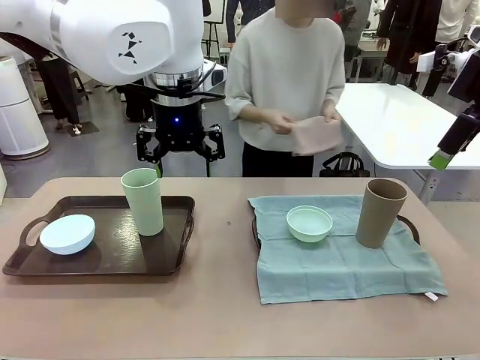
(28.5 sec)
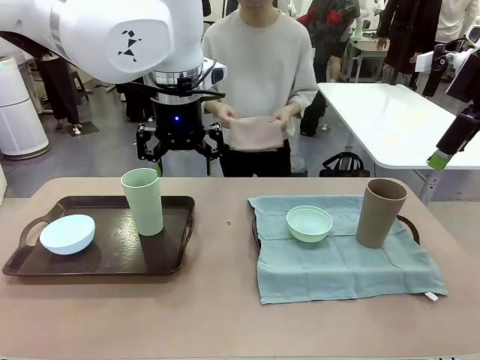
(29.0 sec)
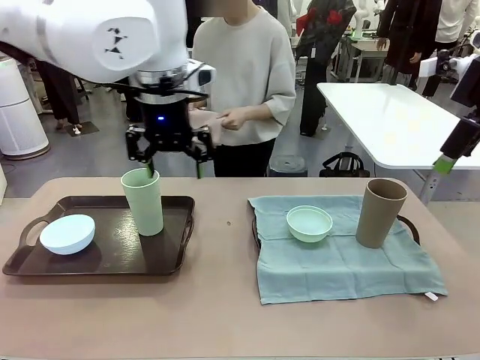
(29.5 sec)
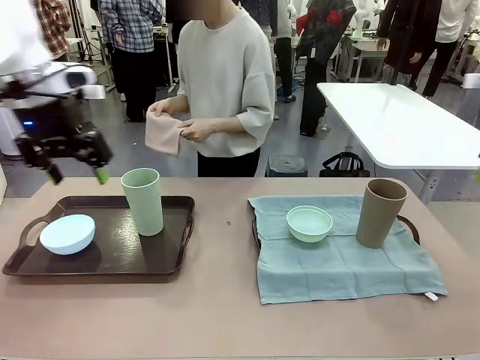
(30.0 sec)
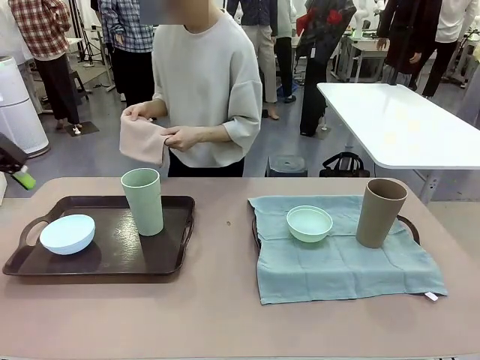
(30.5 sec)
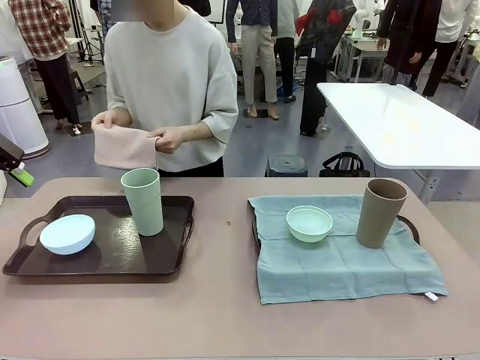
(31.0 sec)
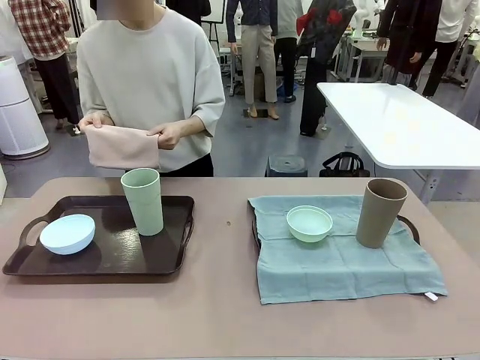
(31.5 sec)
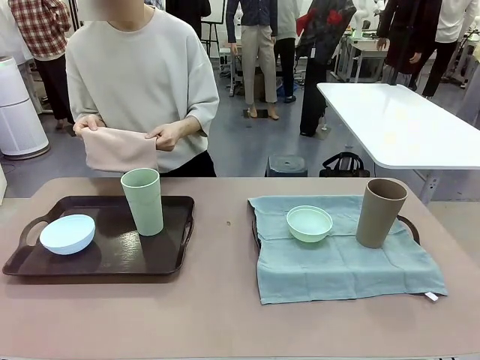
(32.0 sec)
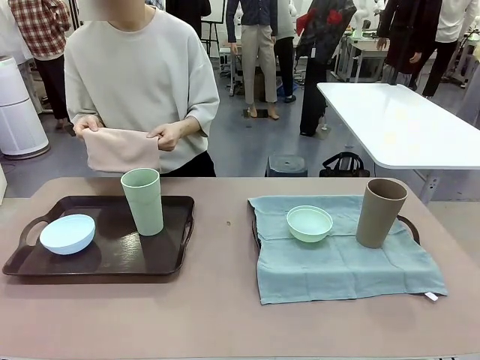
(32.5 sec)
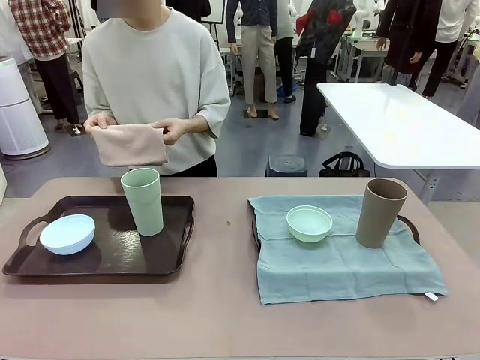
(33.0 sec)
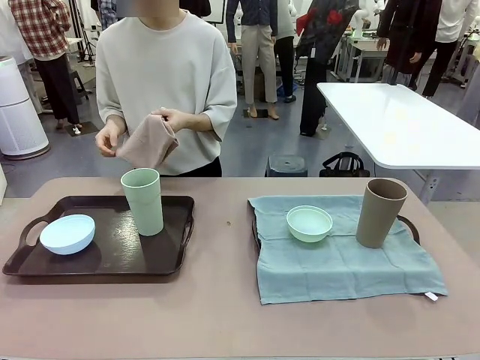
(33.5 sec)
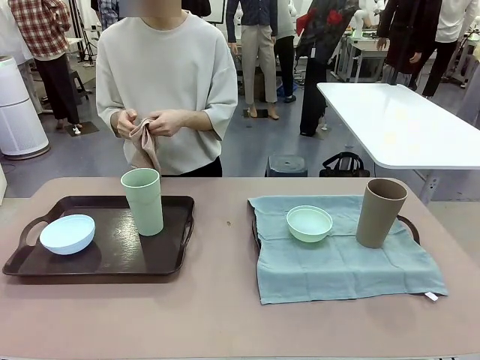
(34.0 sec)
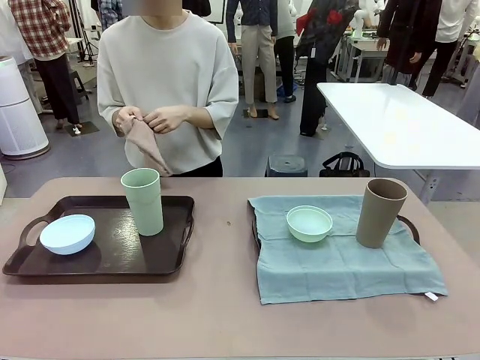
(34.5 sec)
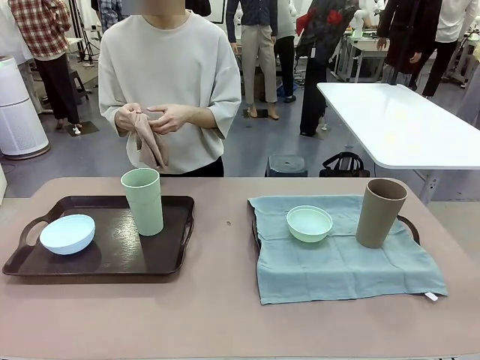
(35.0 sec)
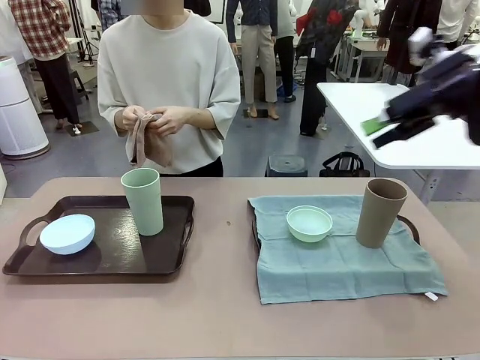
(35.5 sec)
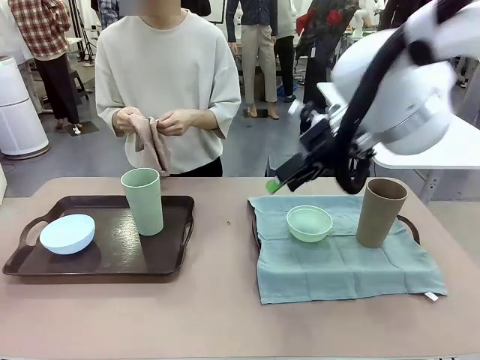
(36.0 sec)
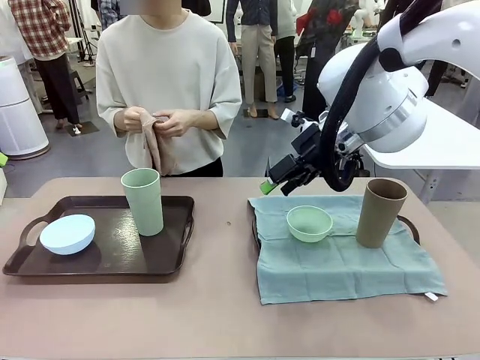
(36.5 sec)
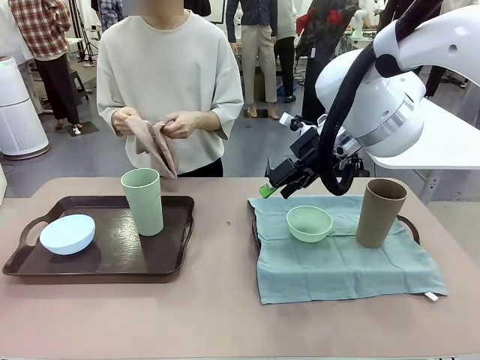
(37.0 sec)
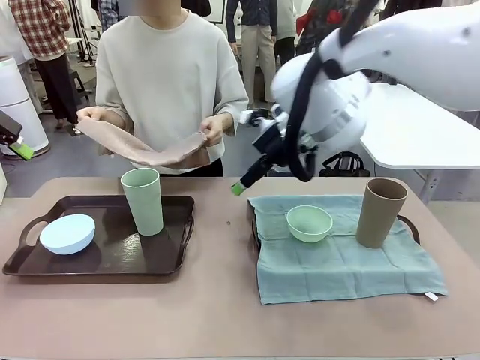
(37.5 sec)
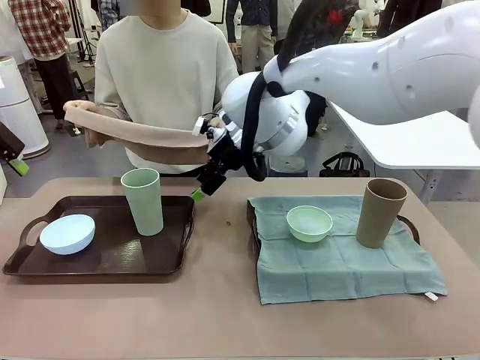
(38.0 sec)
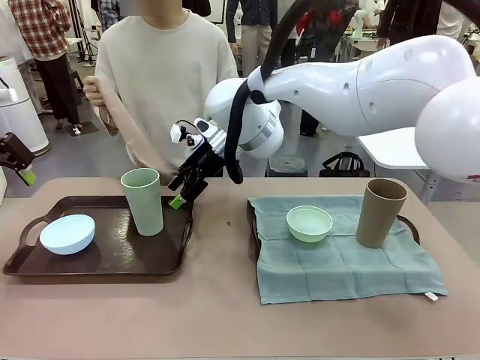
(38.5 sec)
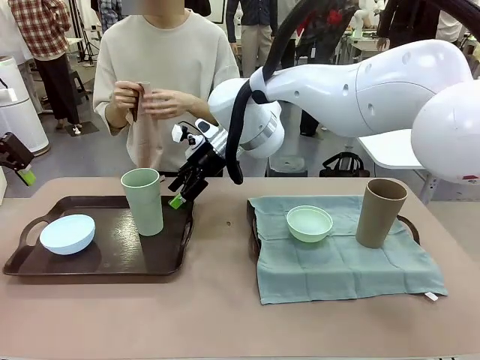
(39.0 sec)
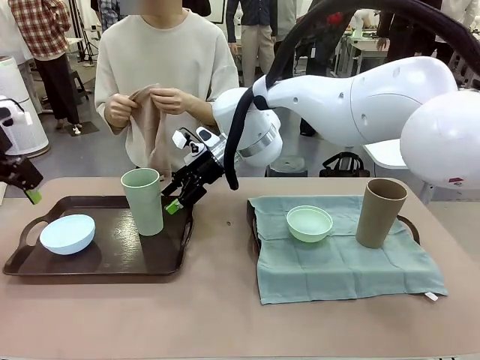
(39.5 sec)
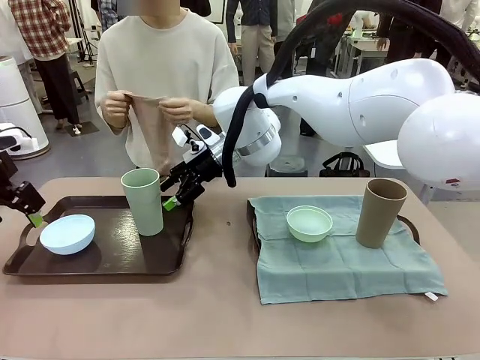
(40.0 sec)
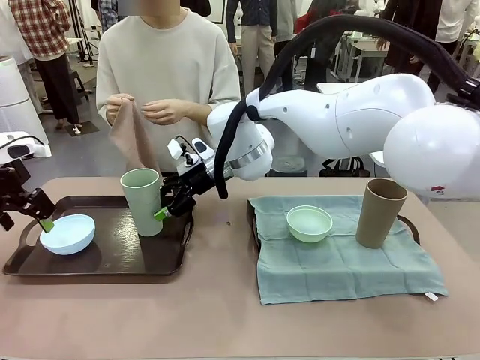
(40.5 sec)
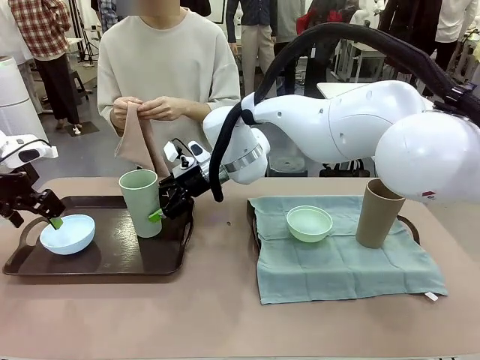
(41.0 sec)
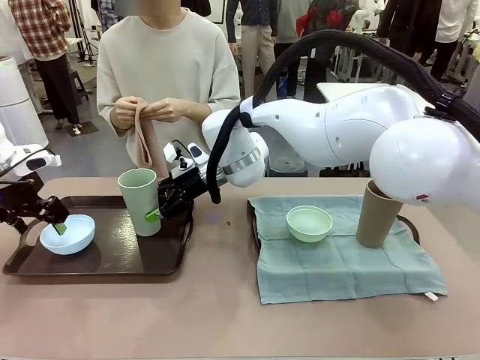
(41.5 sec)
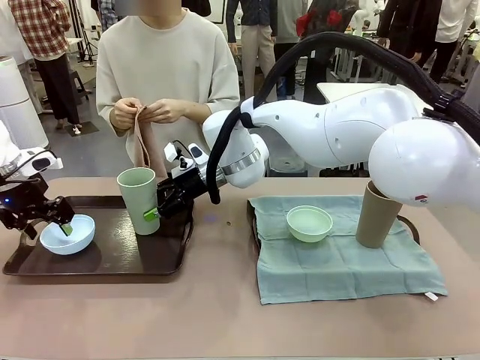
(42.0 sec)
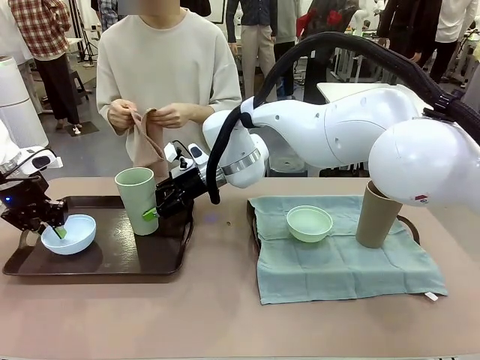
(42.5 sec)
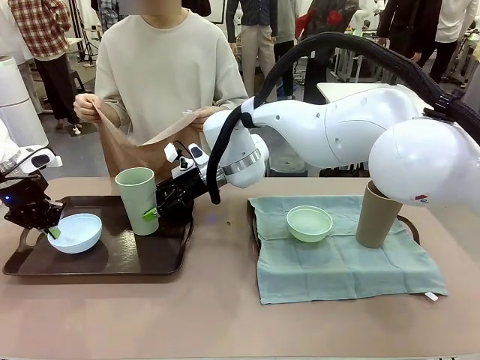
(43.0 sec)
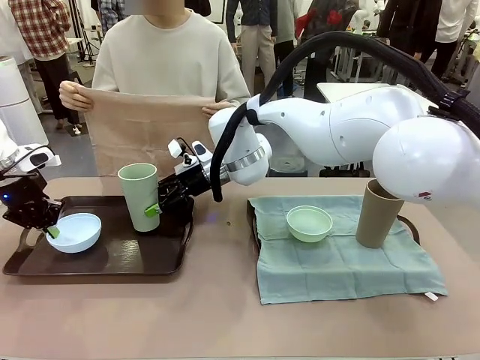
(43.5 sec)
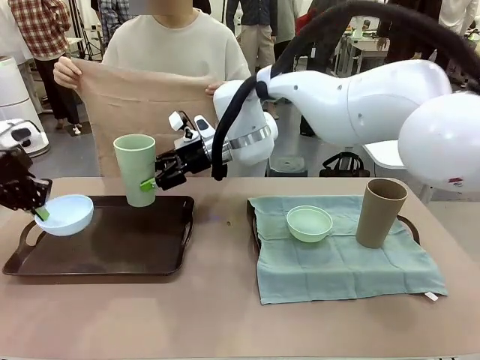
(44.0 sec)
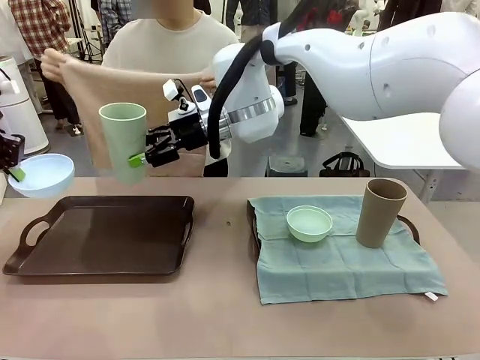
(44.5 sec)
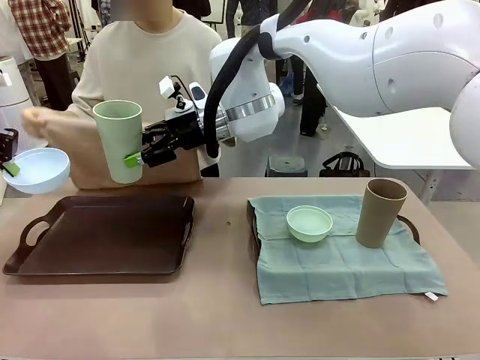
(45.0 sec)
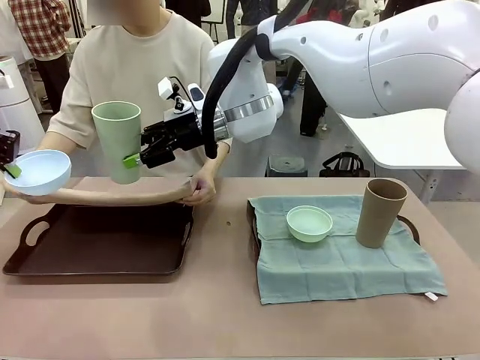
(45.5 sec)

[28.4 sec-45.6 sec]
Robot: Pick up the Picnic Bowl and Reusable plastic cup from the Handle tray in front of the human's position and hold them in the air.

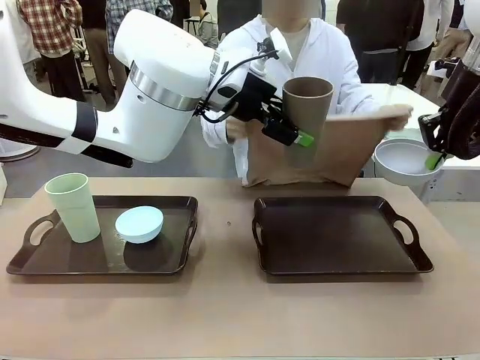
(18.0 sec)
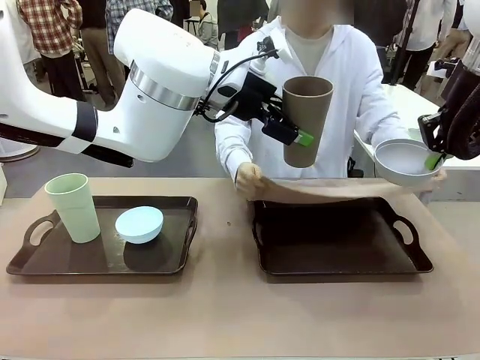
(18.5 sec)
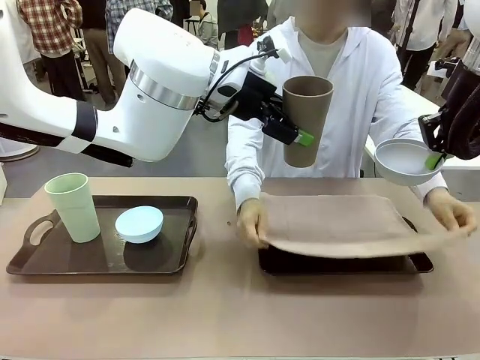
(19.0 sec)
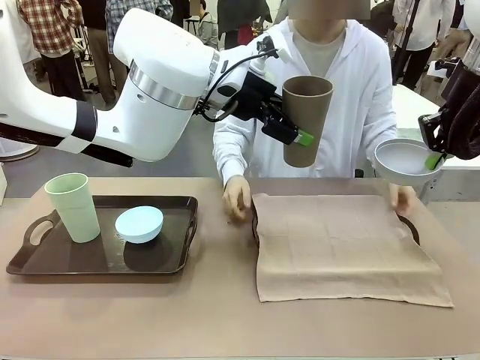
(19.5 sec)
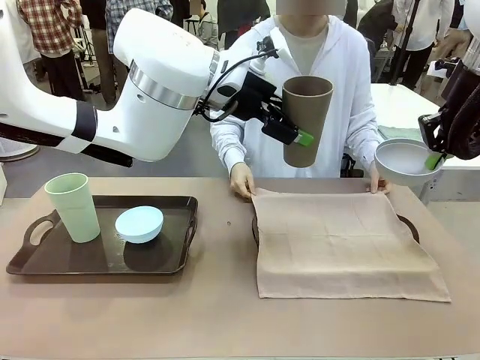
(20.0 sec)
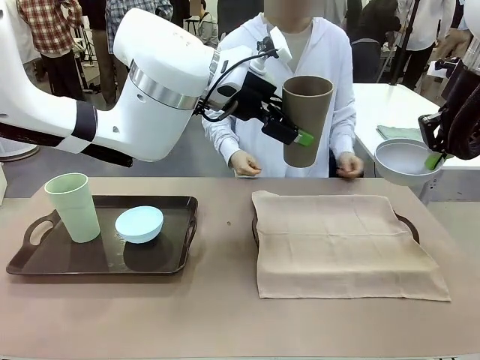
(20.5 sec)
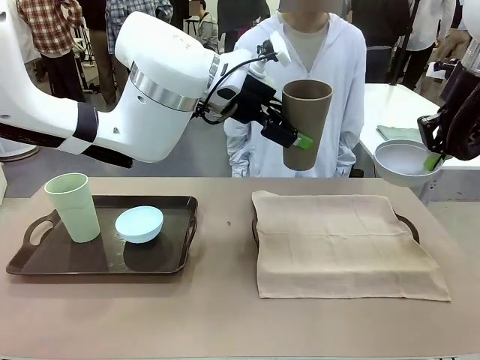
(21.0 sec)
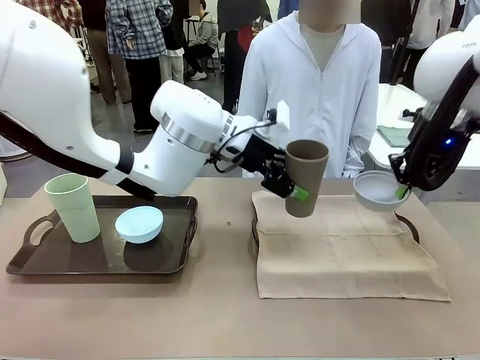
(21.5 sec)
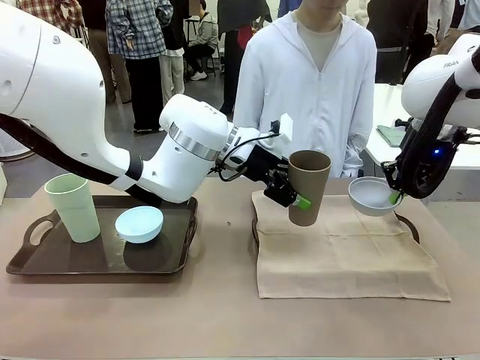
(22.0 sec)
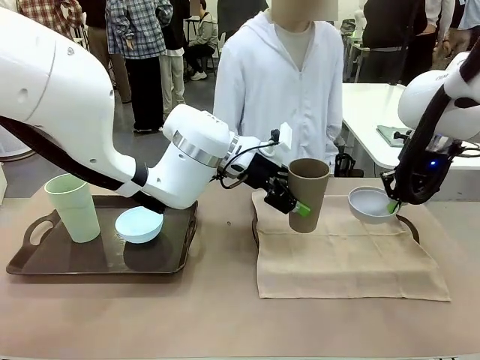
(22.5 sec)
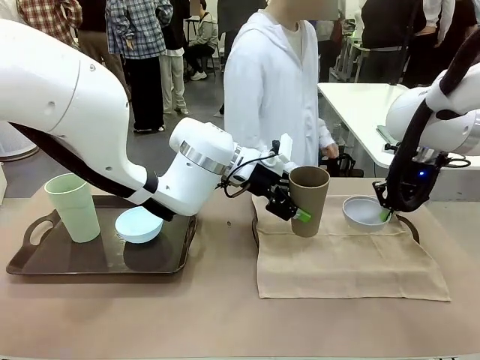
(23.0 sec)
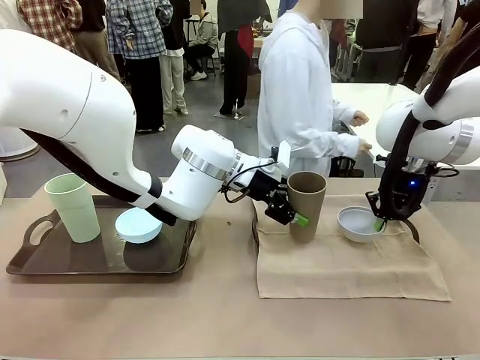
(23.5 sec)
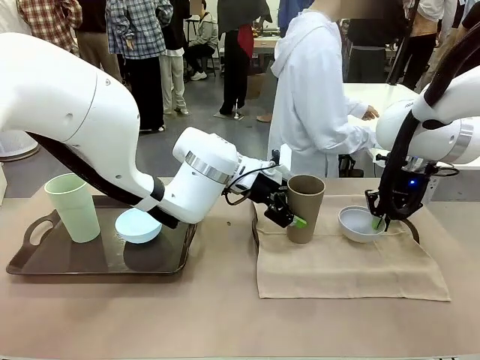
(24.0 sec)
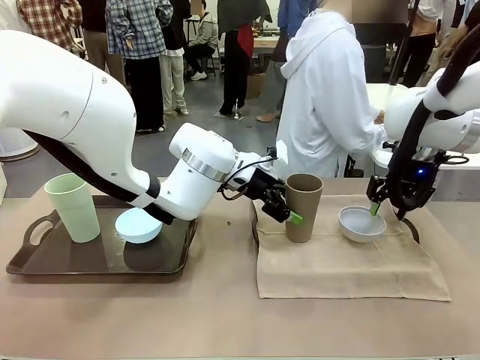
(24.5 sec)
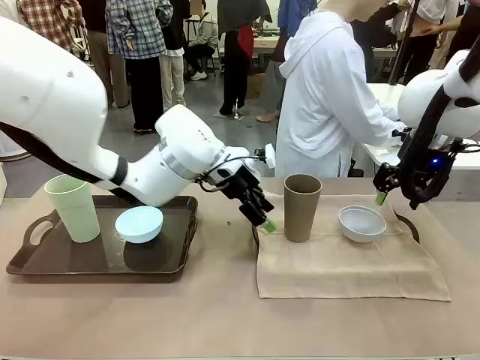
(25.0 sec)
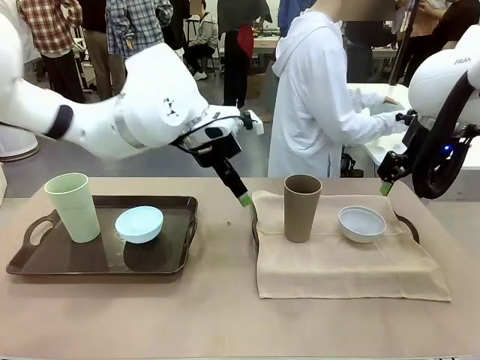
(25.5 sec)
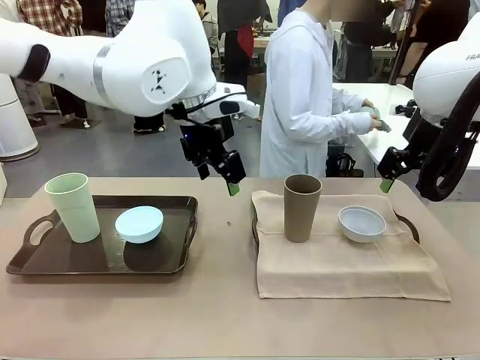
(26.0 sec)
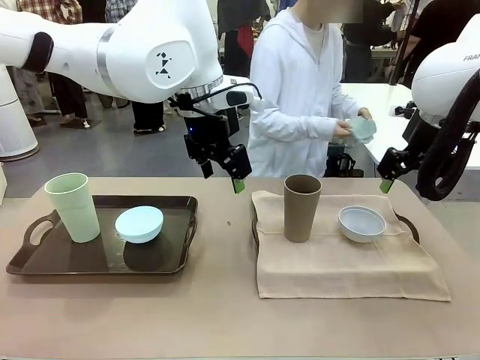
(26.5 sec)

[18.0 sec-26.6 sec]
Robot: Place the Picnic Bowl and Reusable plastic cup back onto the Handle tray in front of the human's position.
Person: The human returns to the human table to pick up another napkin and walks to the robot table to stand in front of the tray without a napkin.
